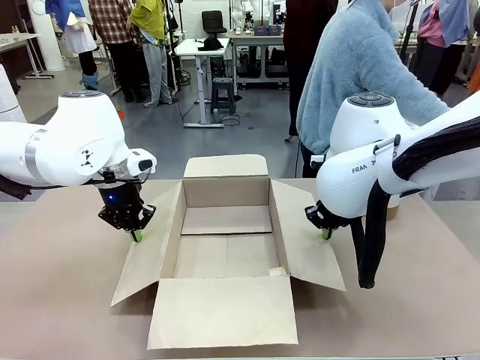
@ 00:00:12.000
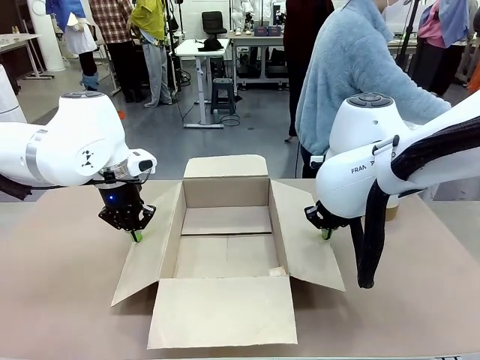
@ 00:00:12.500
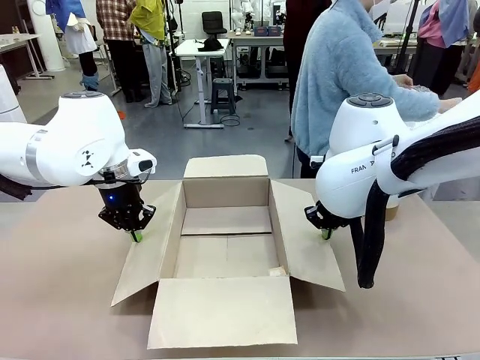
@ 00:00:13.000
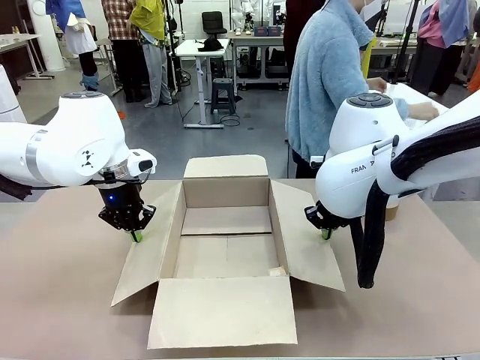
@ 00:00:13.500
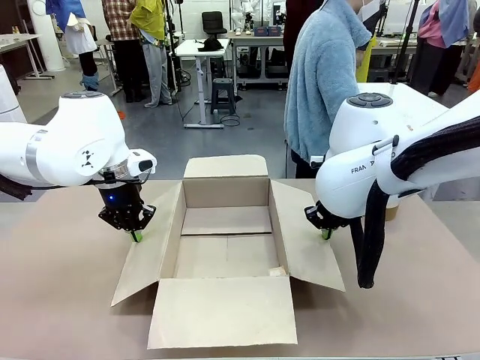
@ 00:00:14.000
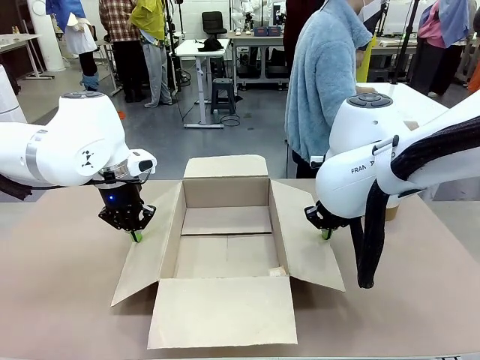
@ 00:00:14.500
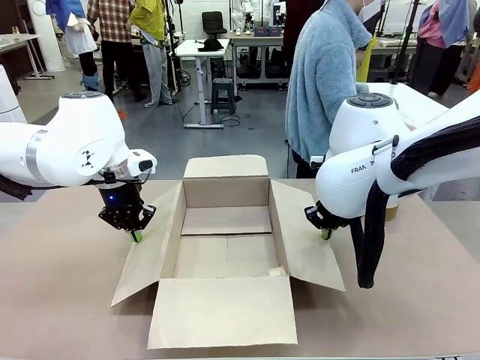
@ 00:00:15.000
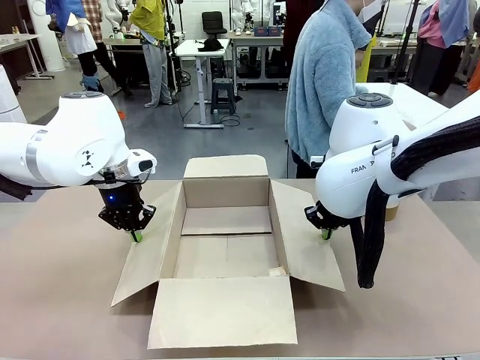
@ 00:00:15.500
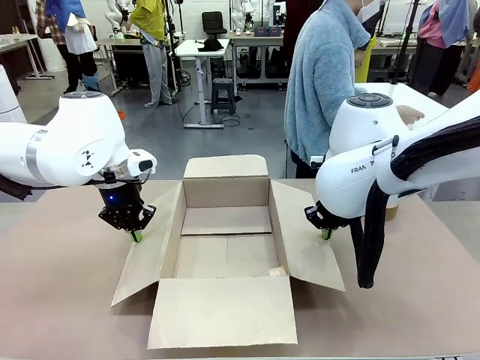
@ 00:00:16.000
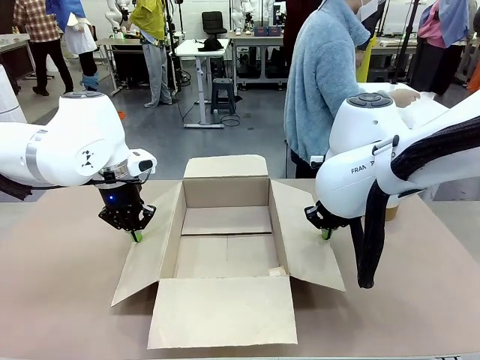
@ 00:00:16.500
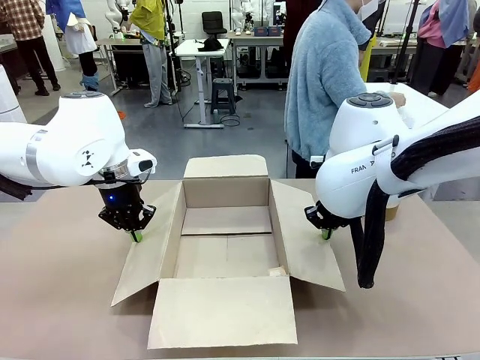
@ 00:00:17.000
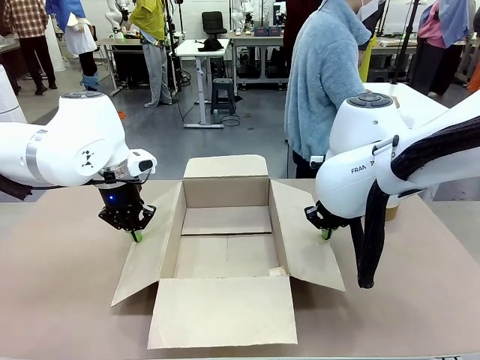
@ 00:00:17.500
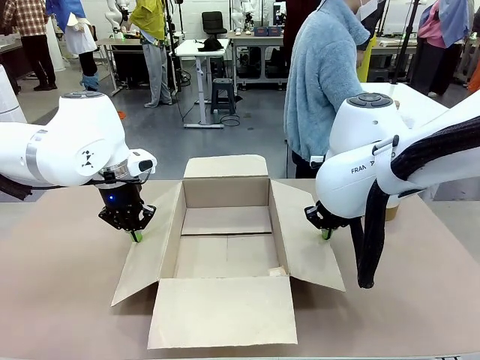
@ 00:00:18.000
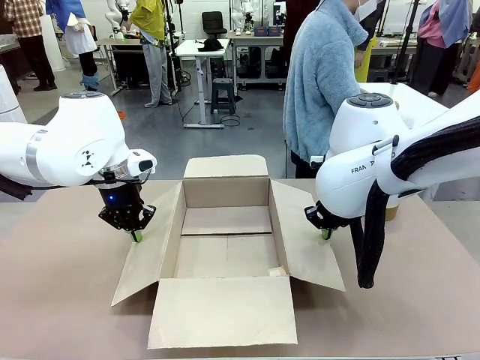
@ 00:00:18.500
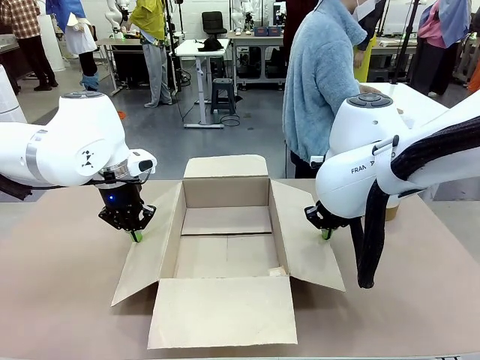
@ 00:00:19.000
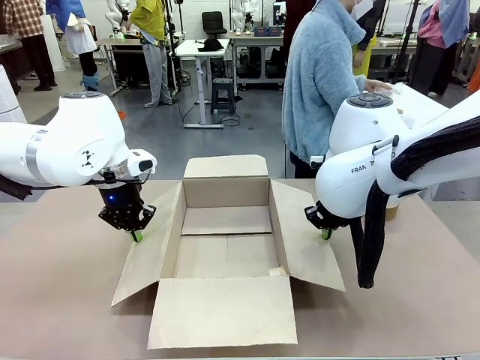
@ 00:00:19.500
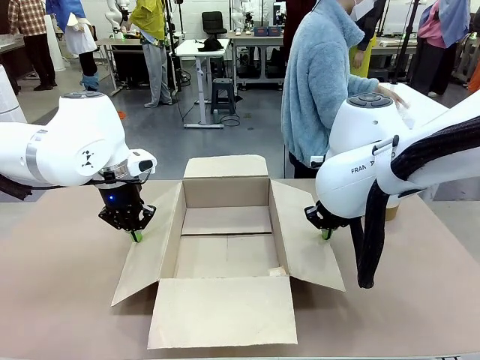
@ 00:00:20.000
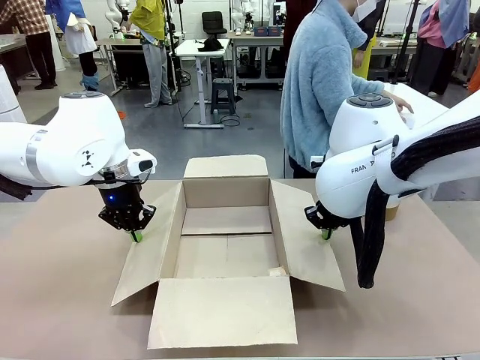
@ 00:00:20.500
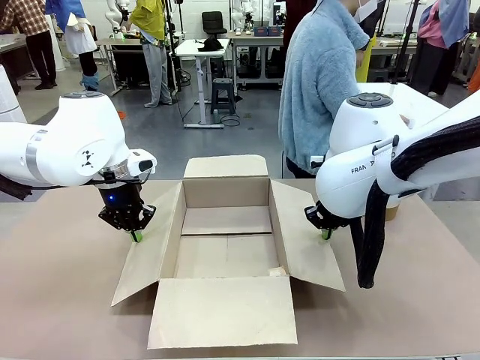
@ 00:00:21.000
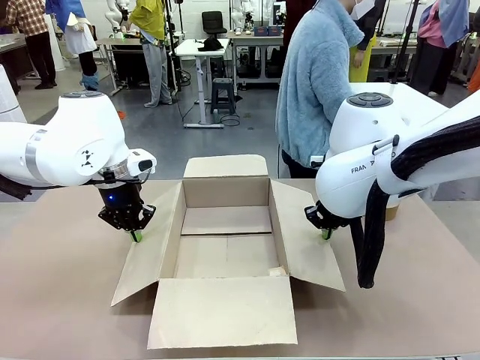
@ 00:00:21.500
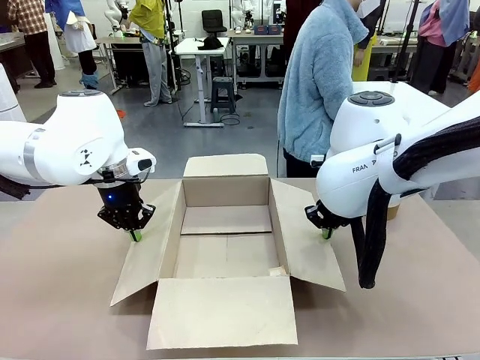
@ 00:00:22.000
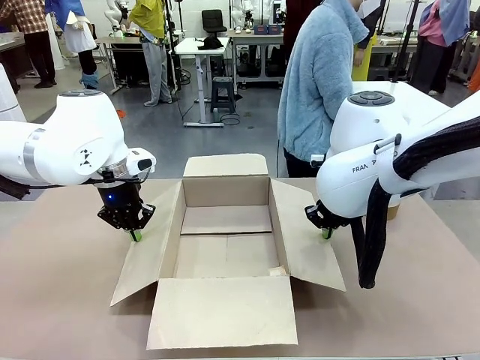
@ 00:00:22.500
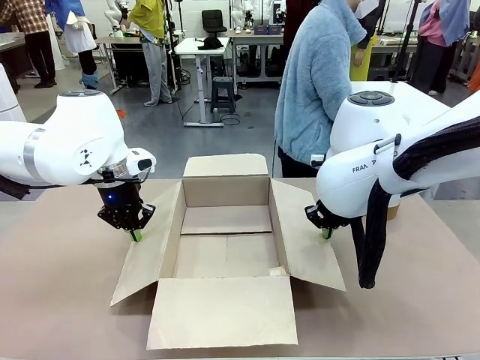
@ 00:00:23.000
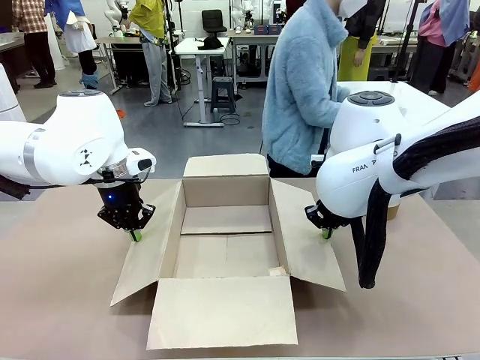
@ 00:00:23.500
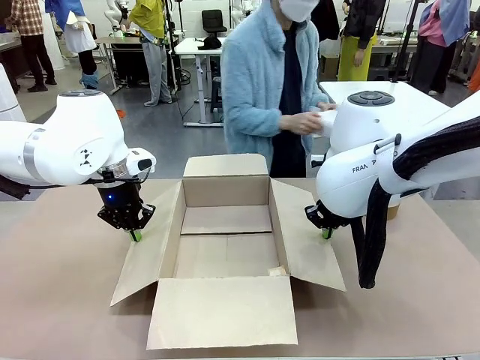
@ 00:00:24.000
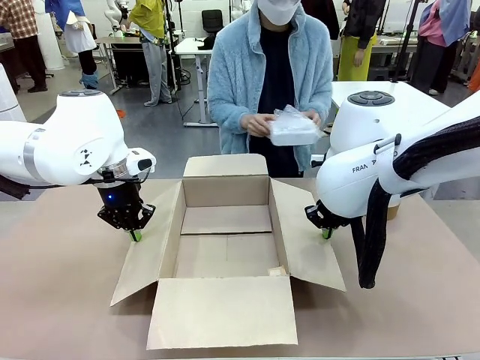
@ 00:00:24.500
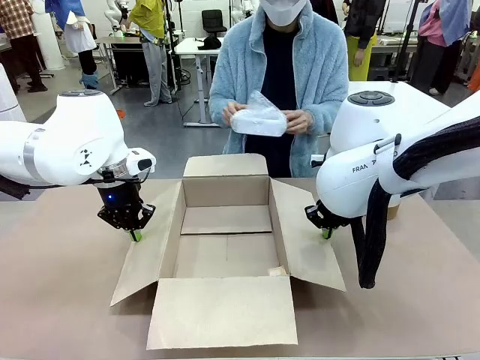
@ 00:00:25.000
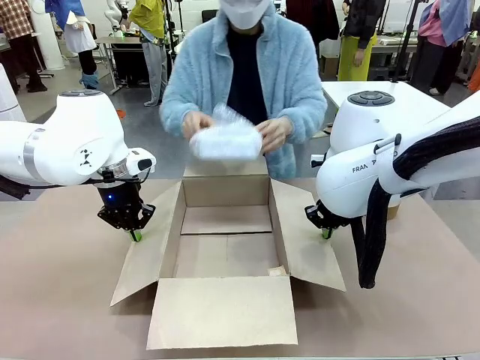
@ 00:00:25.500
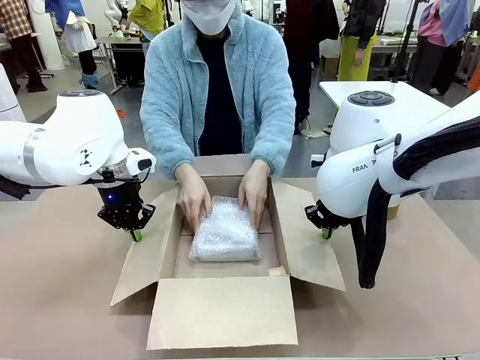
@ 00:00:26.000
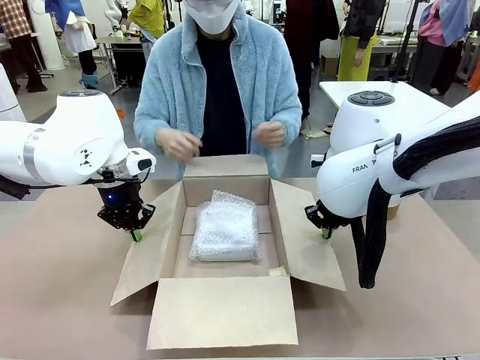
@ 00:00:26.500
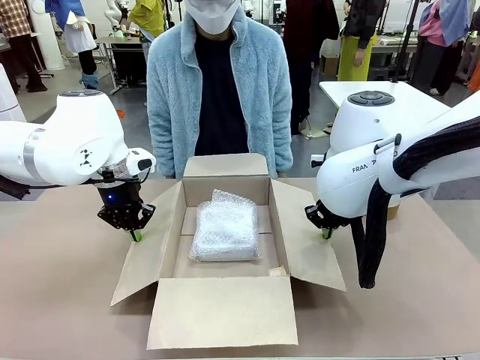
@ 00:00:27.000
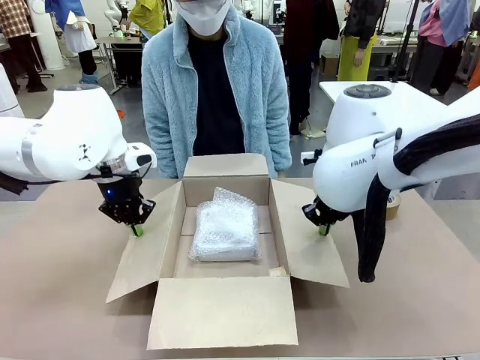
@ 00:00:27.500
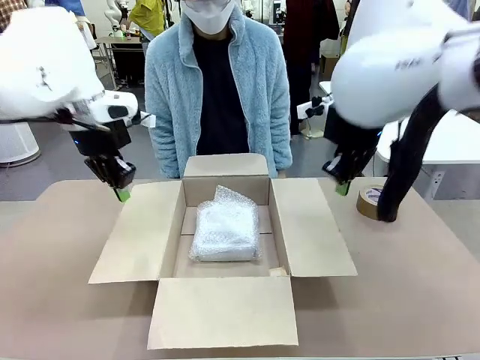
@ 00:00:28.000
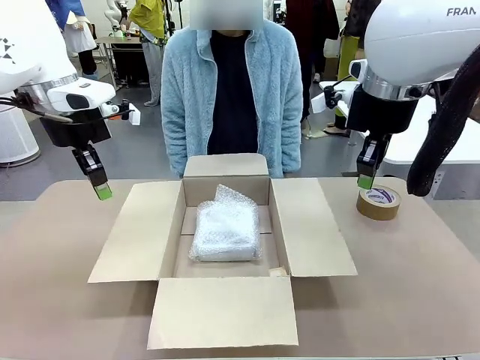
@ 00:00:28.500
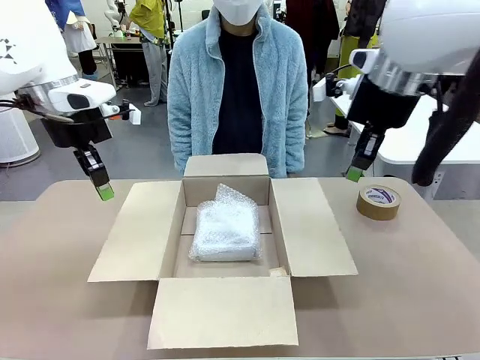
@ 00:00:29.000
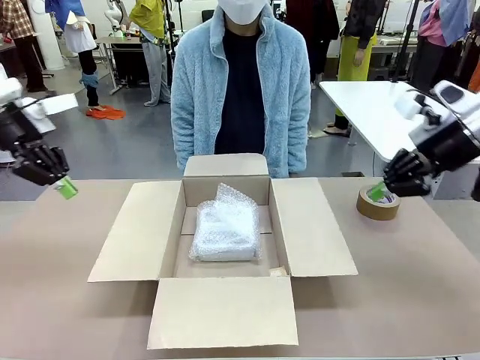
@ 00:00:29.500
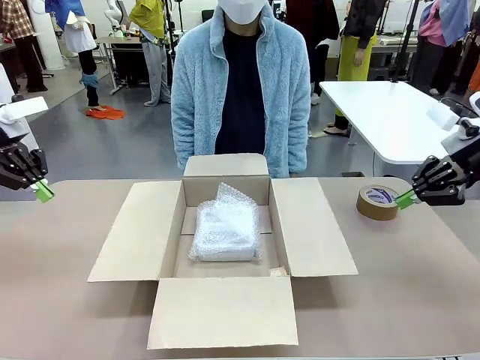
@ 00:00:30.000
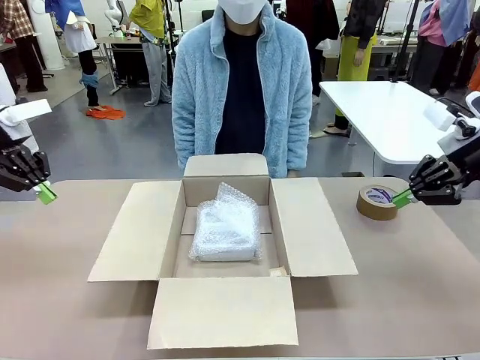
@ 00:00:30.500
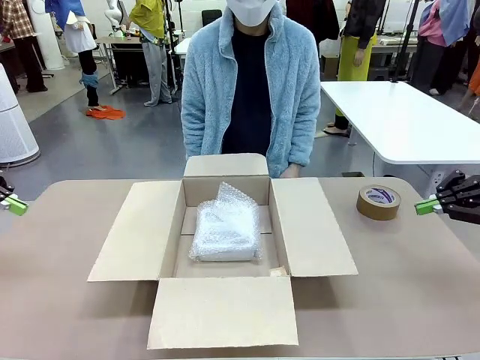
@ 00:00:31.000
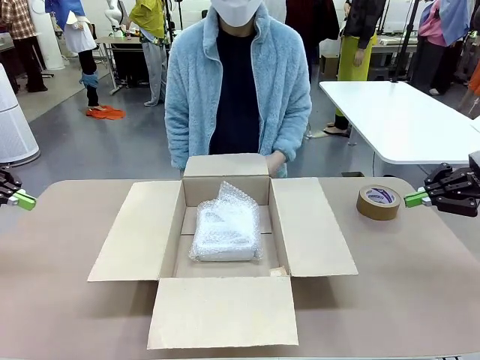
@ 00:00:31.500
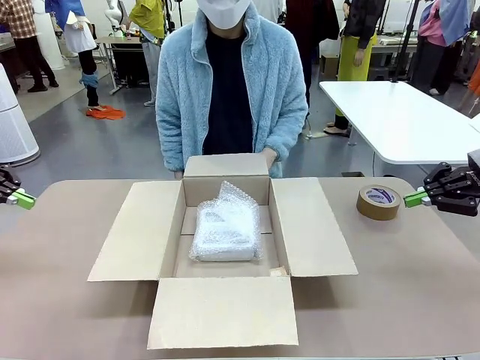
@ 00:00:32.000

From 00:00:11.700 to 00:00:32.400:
Task: Wrap the clocks to prevent damage.
Robot: Once the human has placed the objects inside and stepped back, release both hands from the side flaps of the Package Box.
Person: Place the wrapped Digital clocks inside the Package Box. Hold the top and bottom flaps of the Package Box closed with your left (or right) hand.

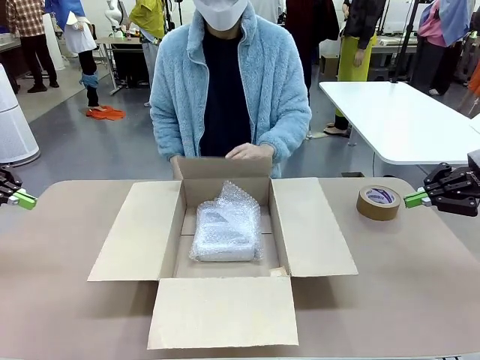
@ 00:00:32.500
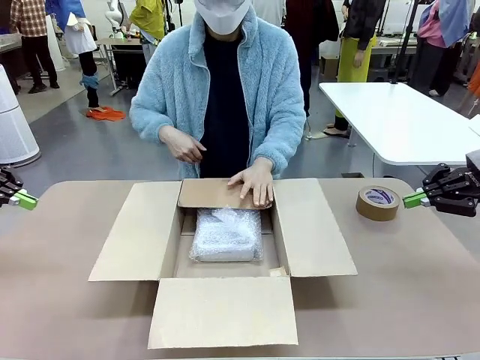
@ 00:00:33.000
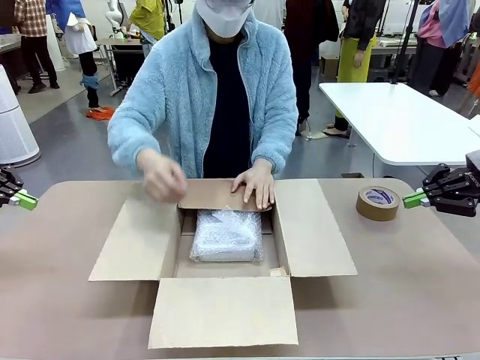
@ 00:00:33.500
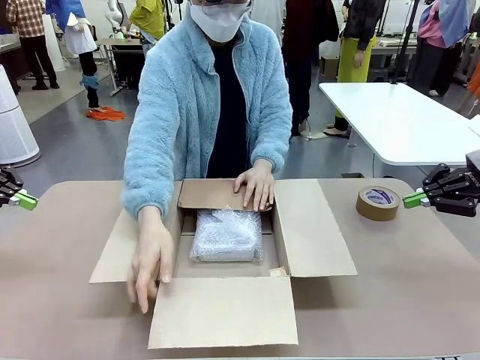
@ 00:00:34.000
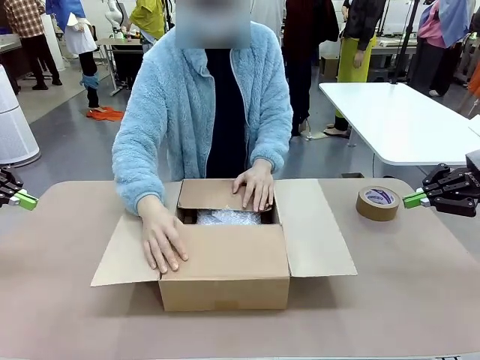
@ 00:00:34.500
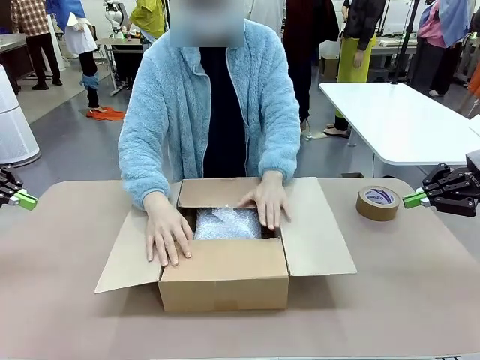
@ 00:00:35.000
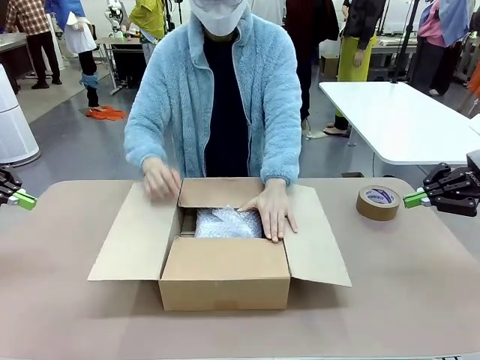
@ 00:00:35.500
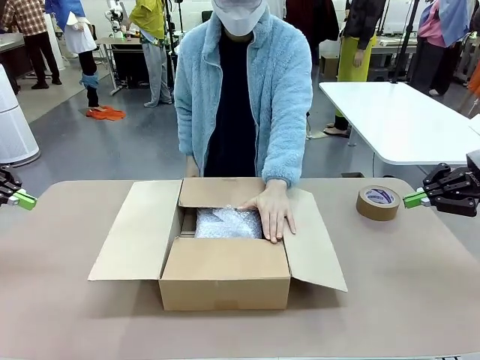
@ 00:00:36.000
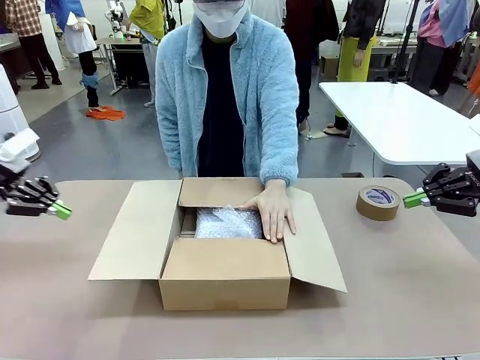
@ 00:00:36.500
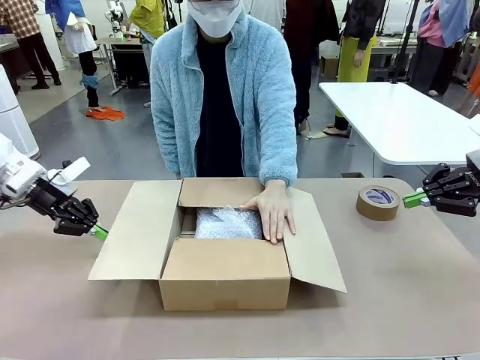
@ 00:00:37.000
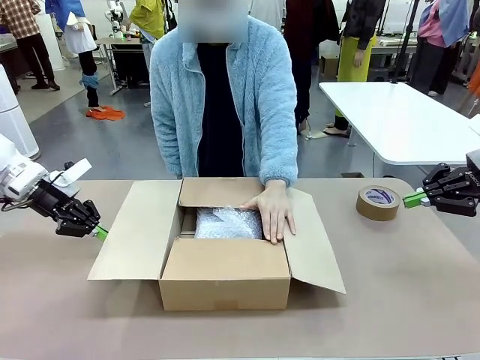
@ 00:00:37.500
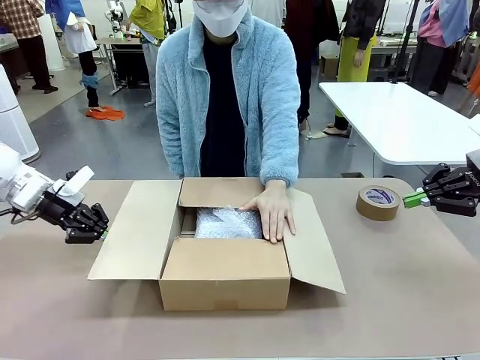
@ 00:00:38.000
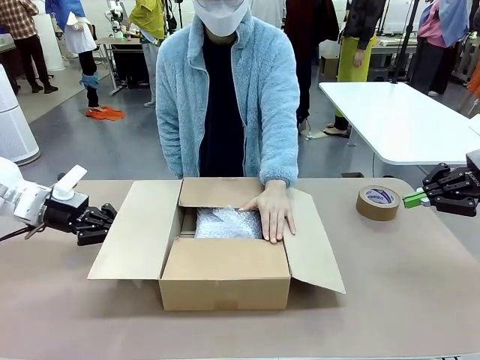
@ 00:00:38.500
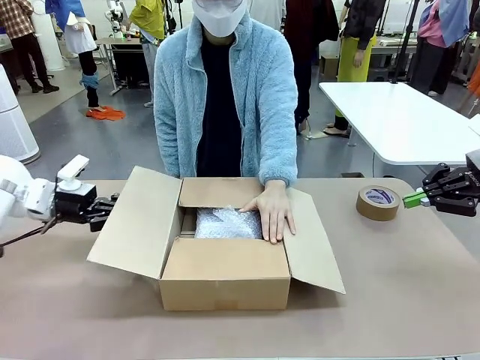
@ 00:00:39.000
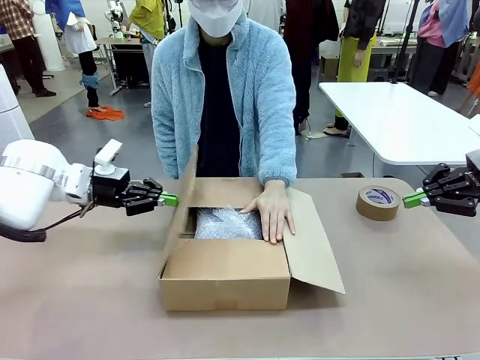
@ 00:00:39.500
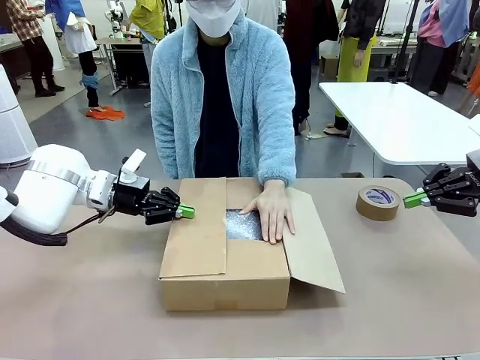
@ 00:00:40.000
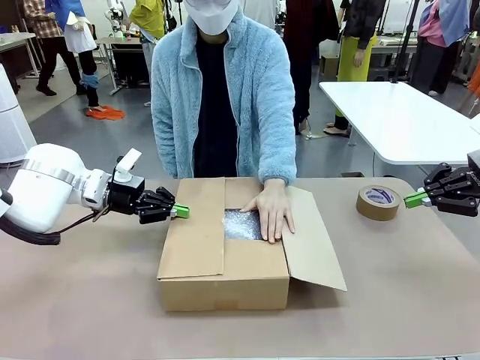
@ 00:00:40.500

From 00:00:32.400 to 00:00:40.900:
Robot: Push the right (or left) flap of the Package Box to close it.
Person: Once the robot closes the right flap of the Package Box , release your left hand from the box.
